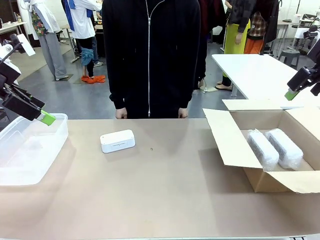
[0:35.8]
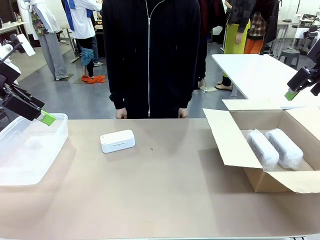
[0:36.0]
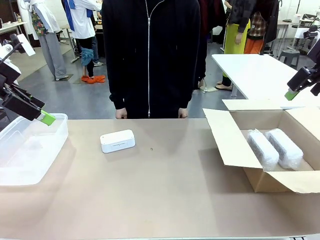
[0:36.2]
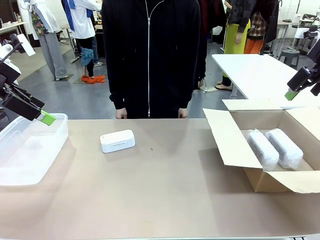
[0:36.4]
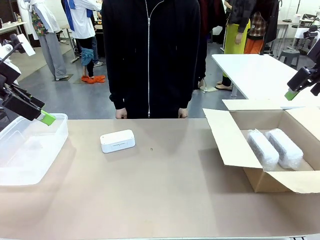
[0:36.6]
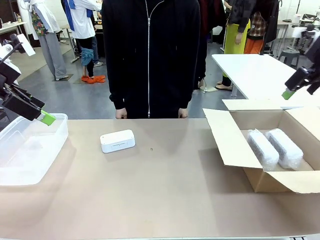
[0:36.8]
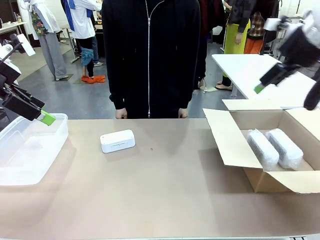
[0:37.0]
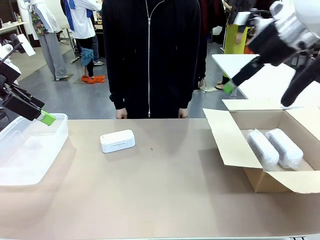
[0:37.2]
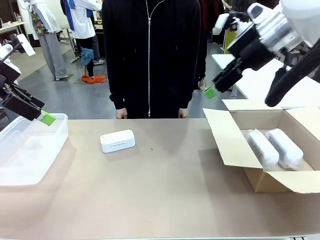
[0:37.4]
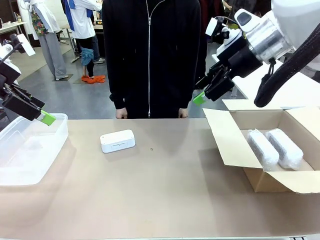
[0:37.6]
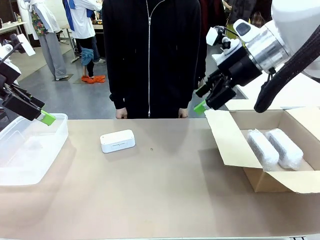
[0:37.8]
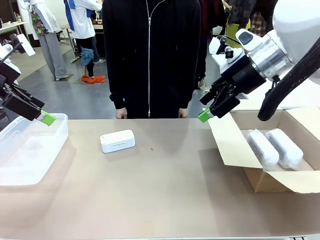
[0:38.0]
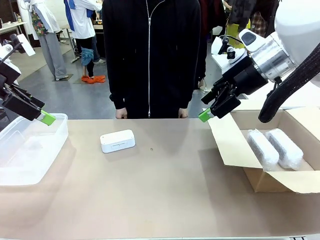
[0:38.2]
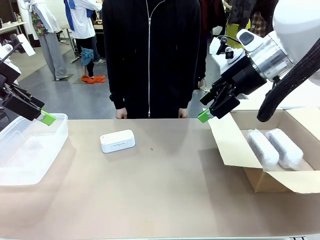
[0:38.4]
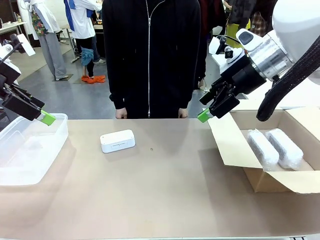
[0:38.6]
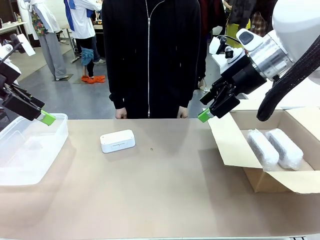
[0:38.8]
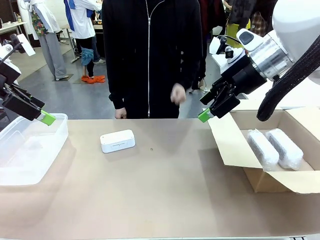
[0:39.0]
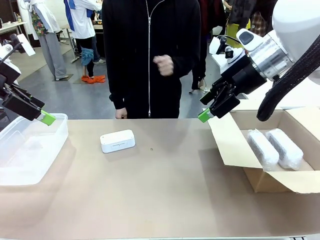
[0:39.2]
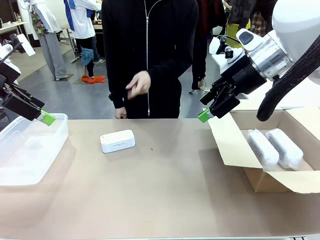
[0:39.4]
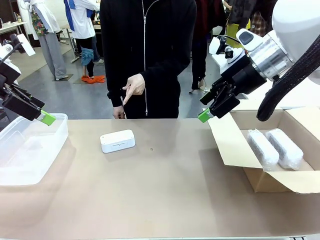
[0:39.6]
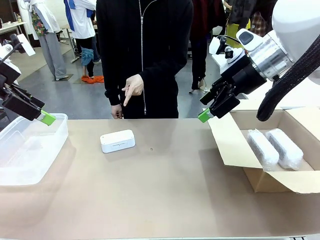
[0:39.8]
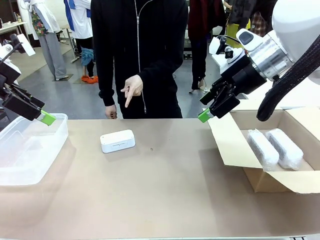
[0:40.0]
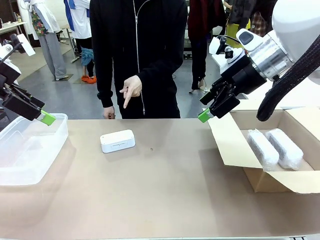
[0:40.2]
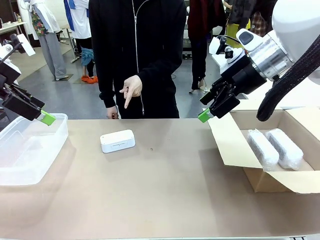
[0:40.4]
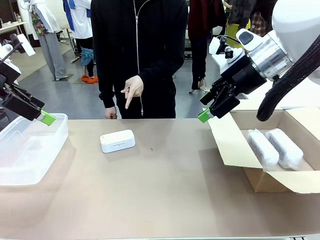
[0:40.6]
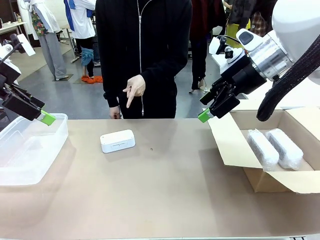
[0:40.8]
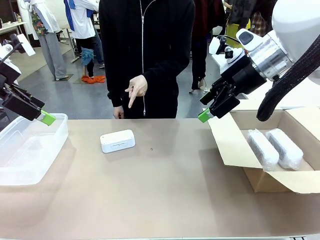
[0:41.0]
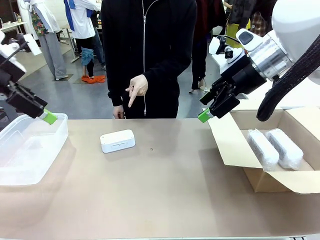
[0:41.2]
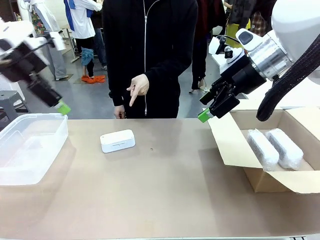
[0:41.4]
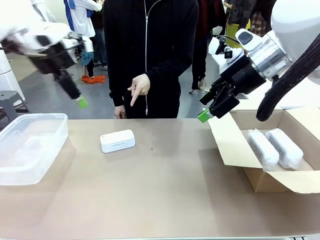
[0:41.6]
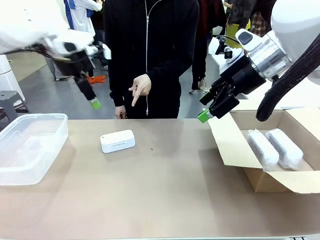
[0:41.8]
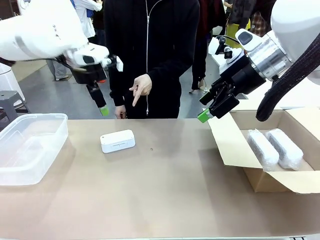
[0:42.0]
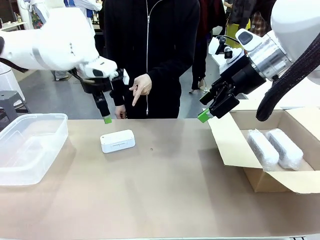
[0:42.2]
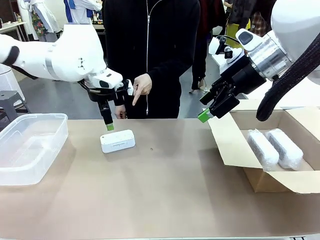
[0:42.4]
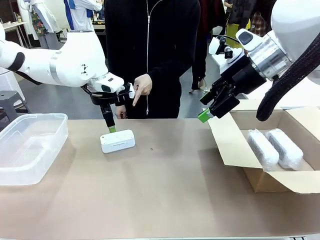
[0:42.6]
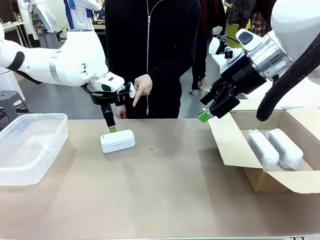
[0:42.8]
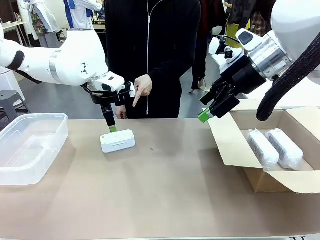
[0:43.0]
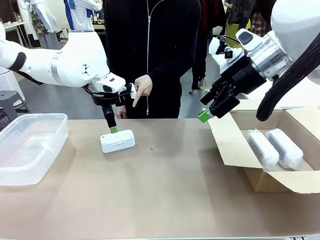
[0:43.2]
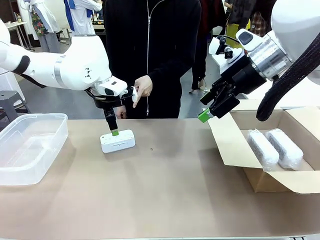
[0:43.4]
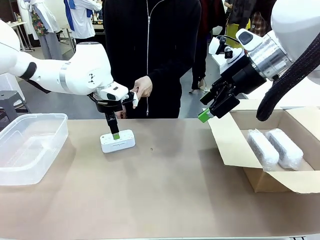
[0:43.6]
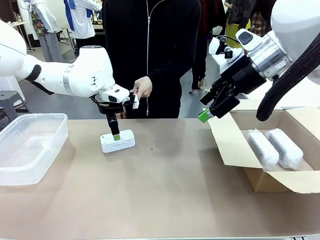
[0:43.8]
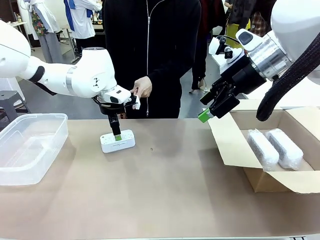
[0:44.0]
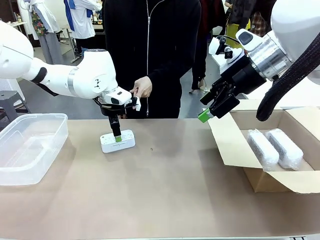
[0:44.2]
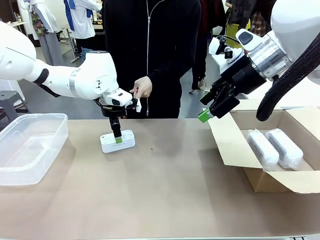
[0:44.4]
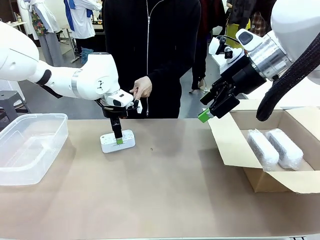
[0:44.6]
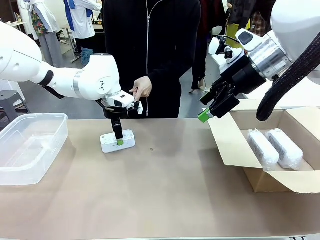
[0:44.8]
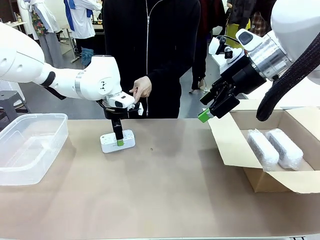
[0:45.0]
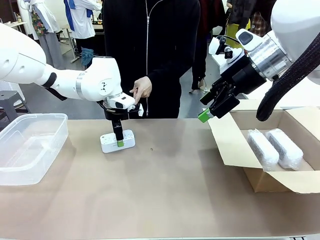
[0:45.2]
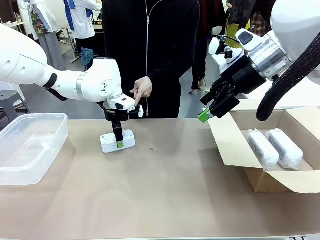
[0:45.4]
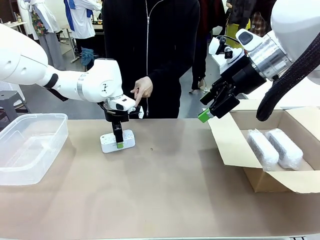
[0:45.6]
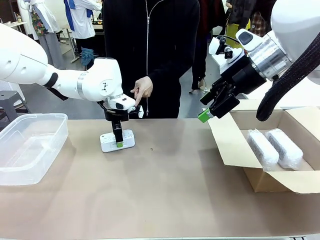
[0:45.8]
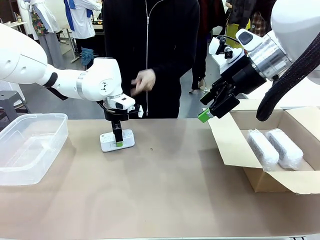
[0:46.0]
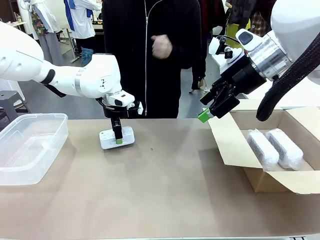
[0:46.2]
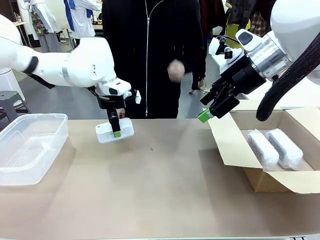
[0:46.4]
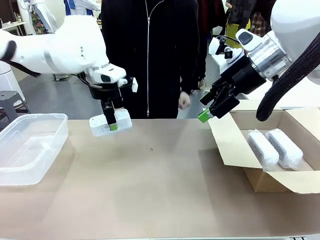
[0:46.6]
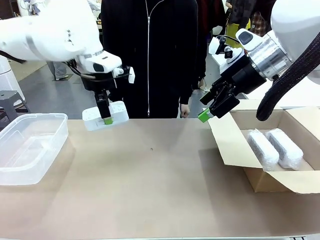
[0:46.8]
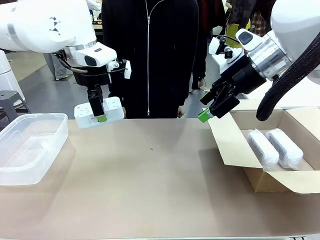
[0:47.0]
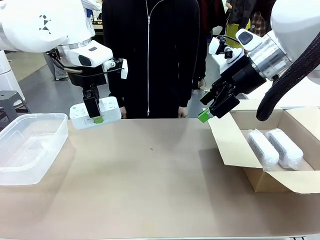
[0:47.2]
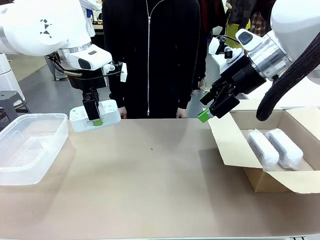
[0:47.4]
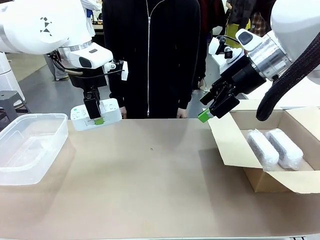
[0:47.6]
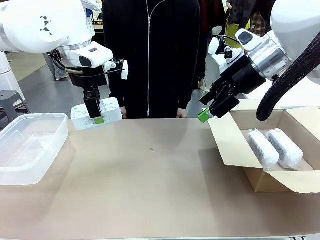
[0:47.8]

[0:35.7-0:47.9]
Task: Separate and place wrapped and unwrapped clocks.
Robot: Pick up the Digital clock indicated by the person.

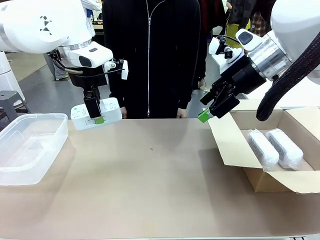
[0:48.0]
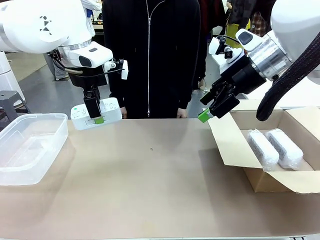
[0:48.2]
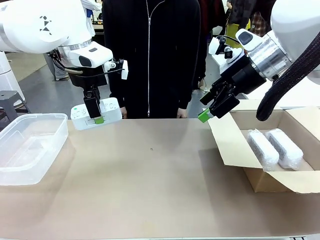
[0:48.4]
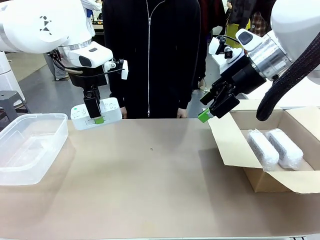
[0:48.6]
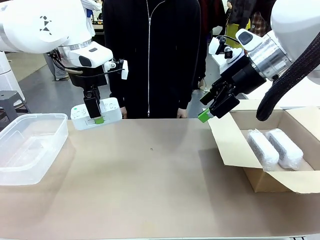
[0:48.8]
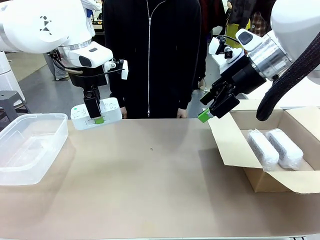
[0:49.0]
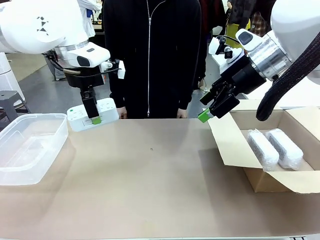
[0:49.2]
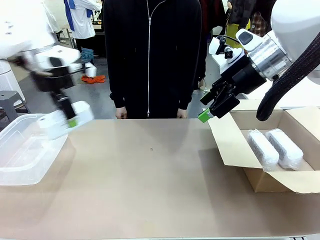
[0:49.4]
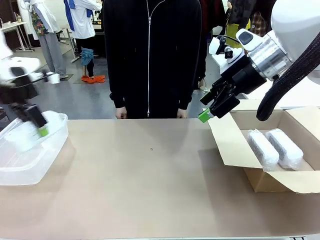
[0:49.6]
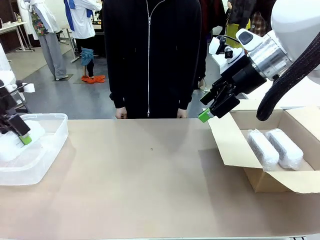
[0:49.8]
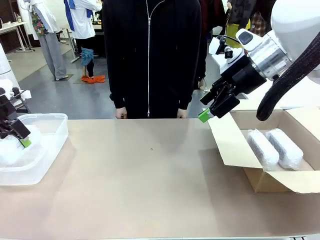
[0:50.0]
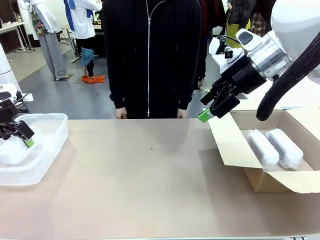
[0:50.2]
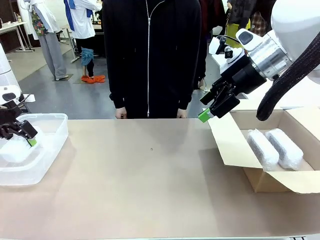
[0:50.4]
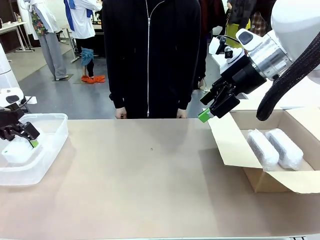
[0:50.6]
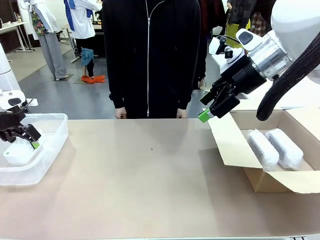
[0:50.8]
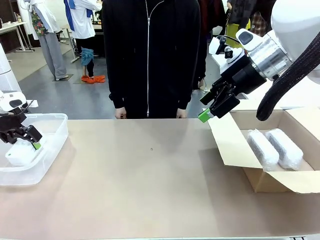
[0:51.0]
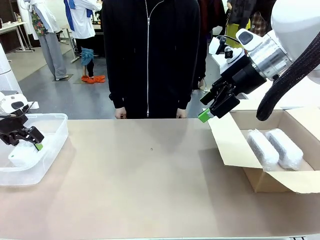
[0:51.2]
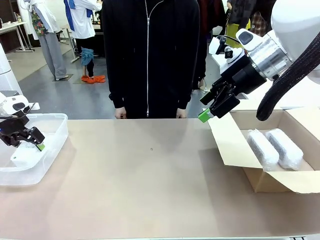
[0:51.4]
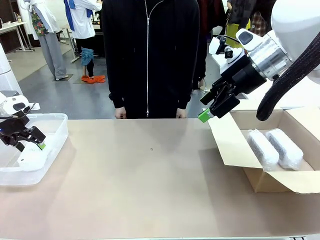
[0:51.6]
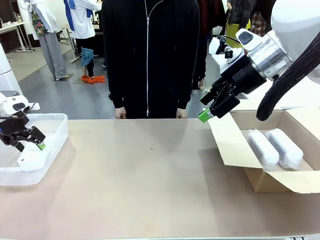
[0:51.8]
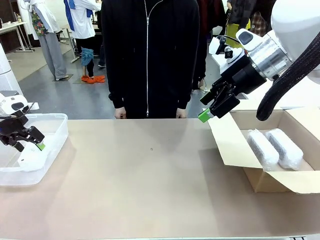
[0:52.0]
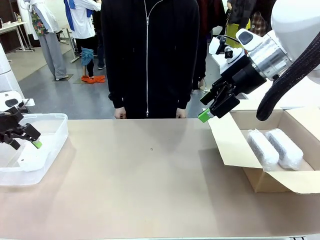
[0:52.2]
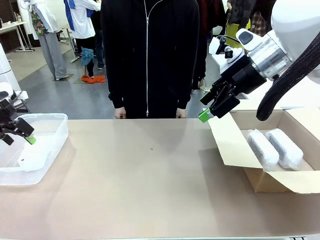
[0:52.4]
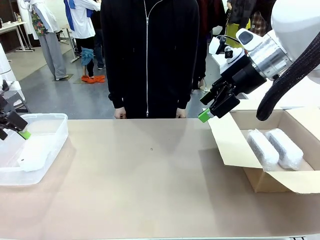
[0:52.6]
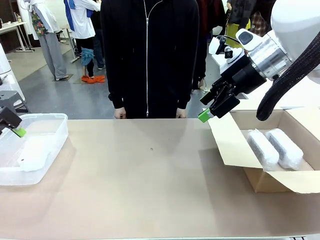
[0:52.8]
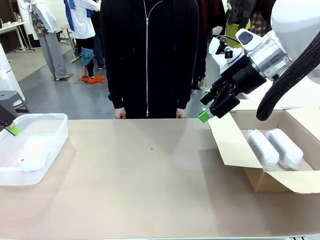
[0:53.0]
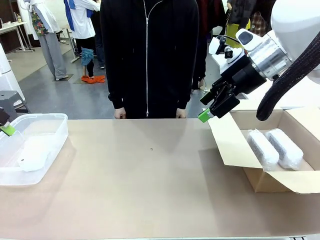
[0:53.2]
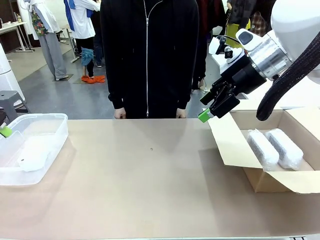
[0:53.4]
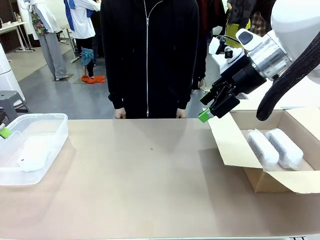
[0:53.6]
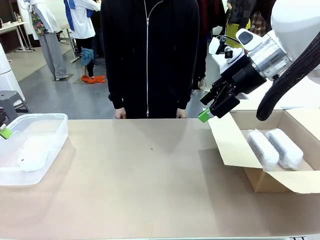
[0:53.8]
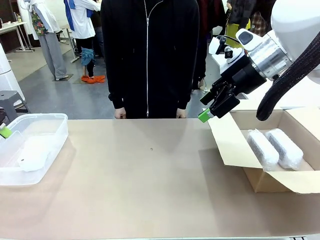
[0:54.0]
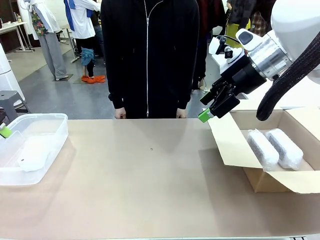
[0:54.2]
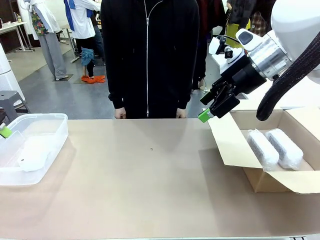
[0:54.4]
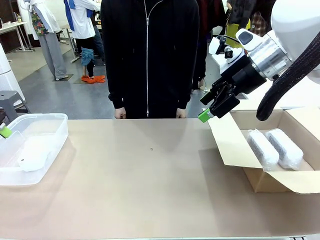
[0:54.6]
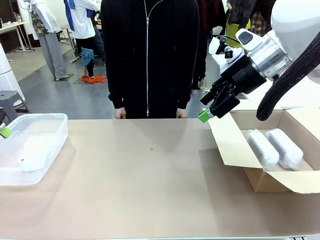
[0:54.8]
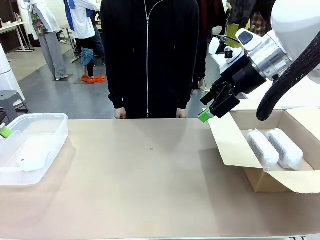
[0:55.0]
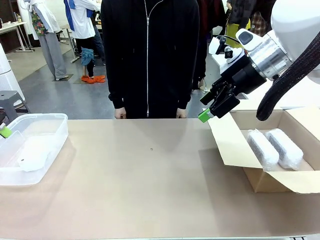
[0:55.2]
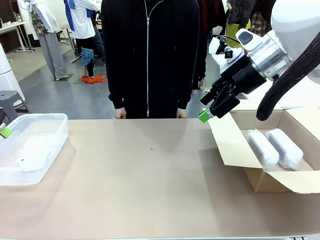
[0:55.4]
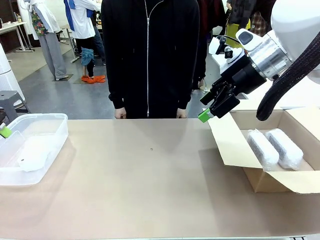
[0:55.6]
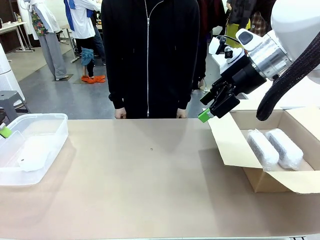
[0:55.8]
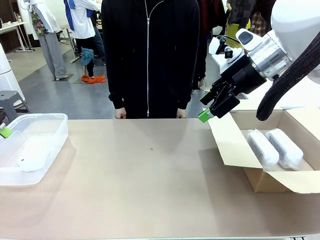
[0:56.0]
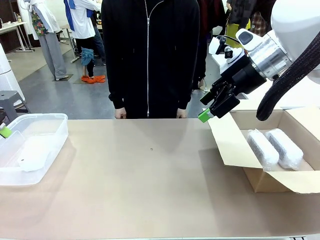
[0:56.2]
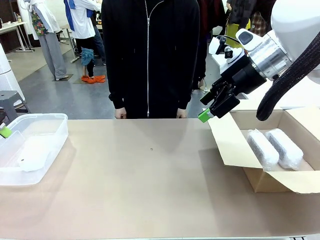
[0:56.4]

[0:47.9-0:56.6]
Robot: If the picked Digital clock is wrapped, place it in the Package Box ; if not, place it in the Organizing box.
